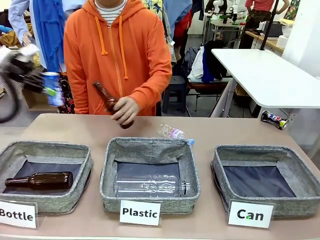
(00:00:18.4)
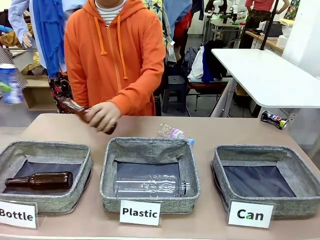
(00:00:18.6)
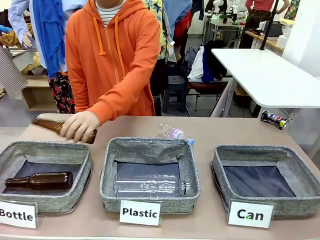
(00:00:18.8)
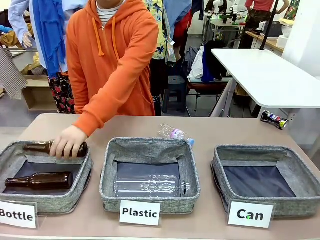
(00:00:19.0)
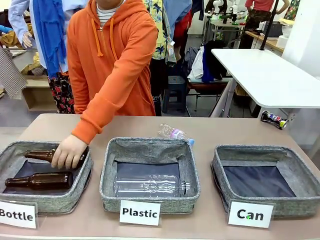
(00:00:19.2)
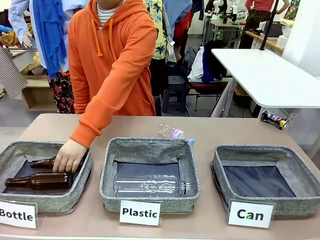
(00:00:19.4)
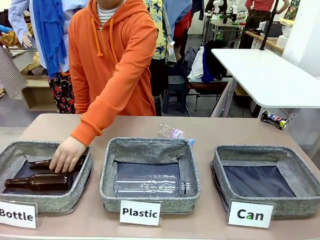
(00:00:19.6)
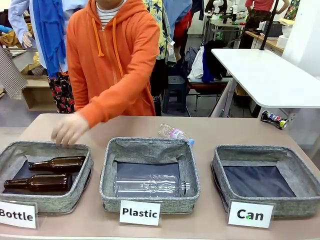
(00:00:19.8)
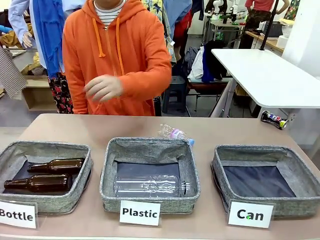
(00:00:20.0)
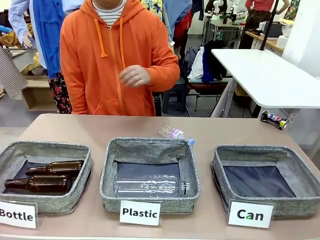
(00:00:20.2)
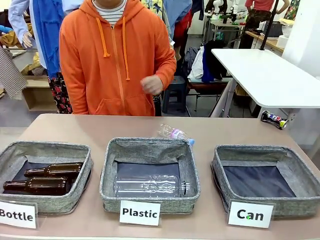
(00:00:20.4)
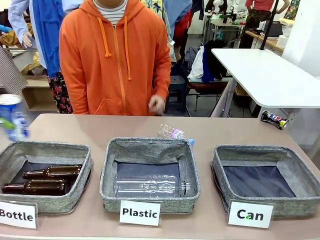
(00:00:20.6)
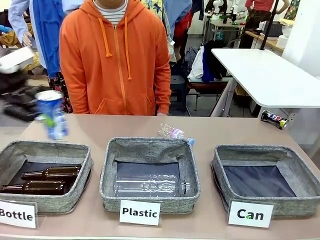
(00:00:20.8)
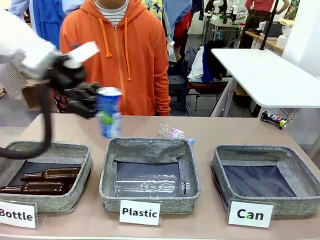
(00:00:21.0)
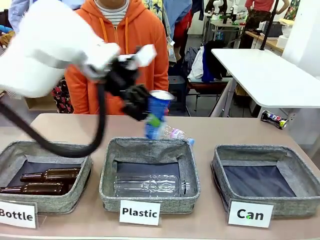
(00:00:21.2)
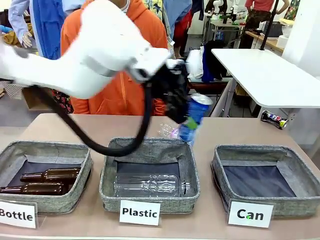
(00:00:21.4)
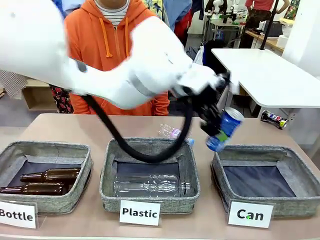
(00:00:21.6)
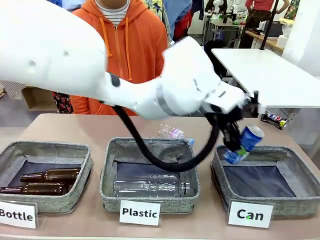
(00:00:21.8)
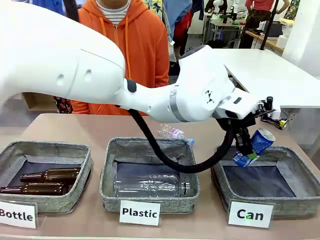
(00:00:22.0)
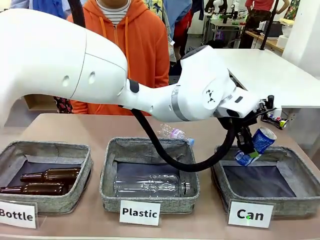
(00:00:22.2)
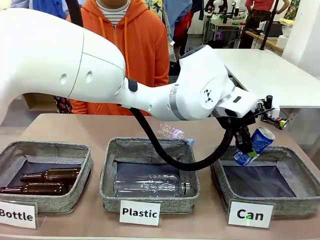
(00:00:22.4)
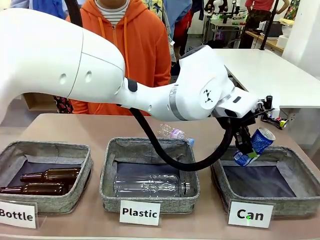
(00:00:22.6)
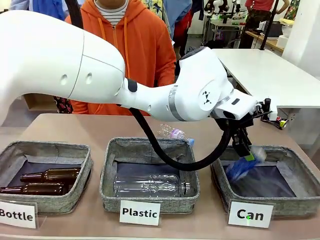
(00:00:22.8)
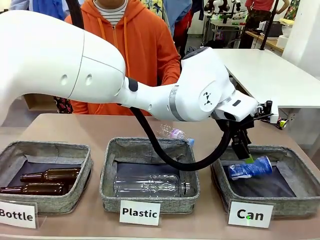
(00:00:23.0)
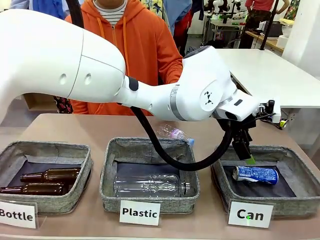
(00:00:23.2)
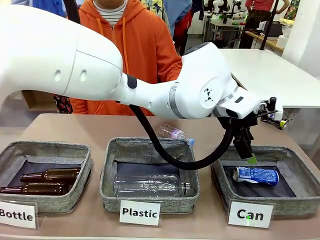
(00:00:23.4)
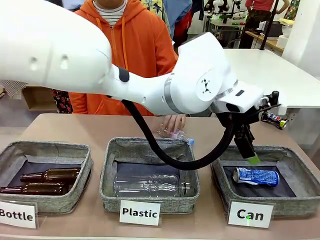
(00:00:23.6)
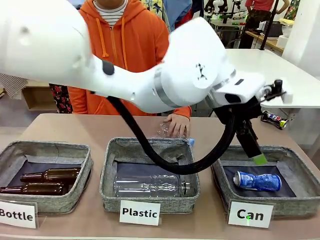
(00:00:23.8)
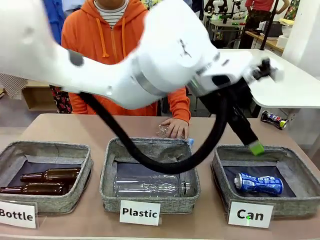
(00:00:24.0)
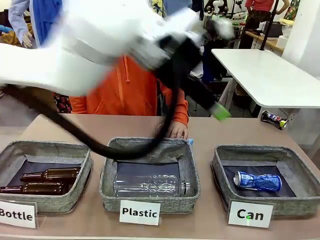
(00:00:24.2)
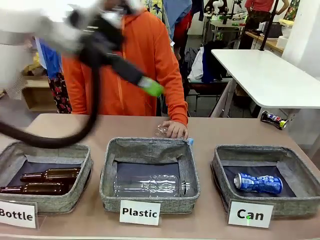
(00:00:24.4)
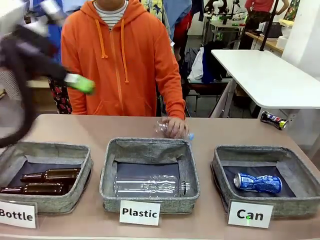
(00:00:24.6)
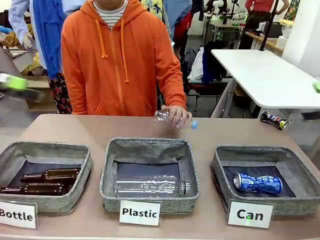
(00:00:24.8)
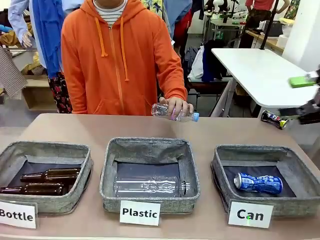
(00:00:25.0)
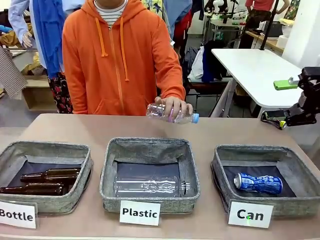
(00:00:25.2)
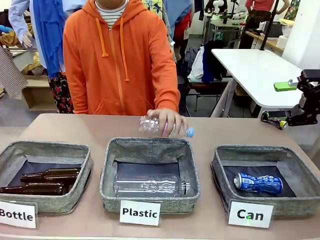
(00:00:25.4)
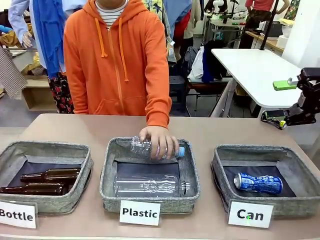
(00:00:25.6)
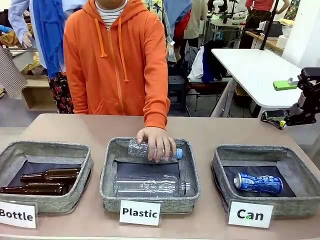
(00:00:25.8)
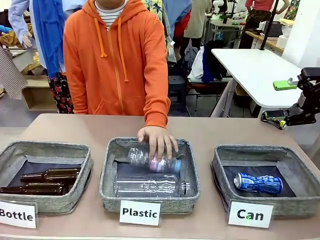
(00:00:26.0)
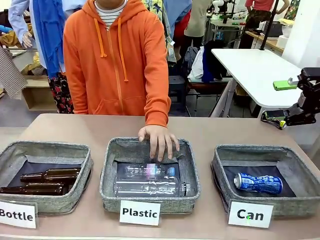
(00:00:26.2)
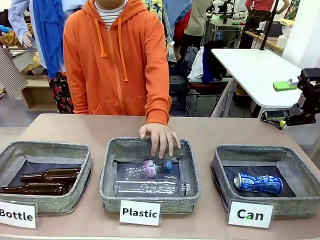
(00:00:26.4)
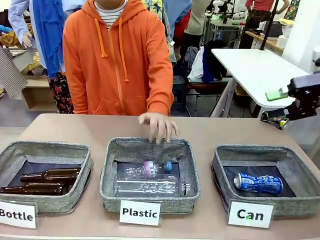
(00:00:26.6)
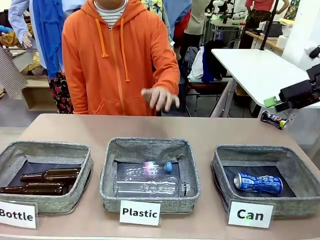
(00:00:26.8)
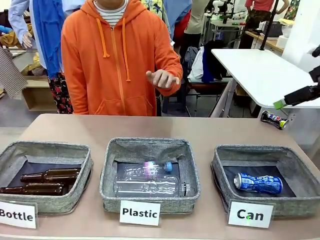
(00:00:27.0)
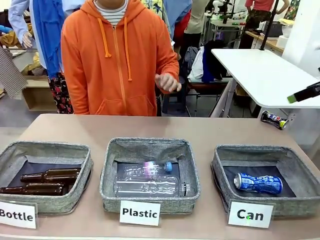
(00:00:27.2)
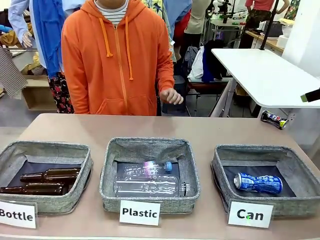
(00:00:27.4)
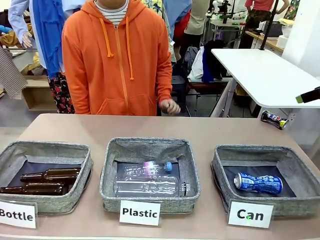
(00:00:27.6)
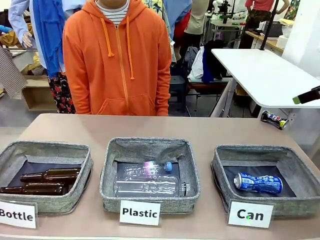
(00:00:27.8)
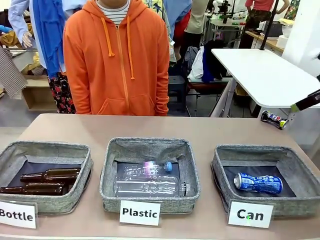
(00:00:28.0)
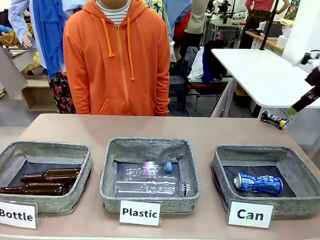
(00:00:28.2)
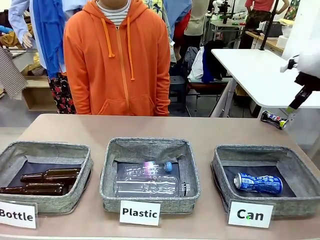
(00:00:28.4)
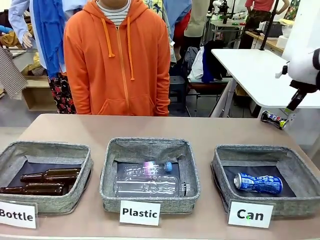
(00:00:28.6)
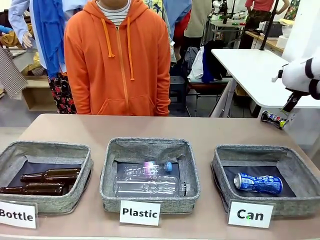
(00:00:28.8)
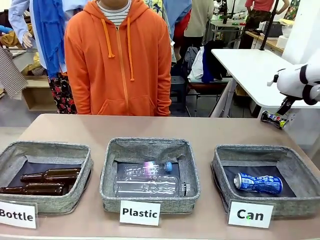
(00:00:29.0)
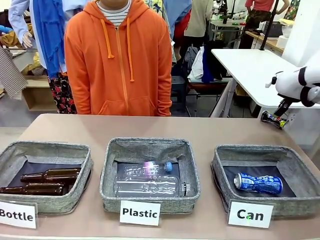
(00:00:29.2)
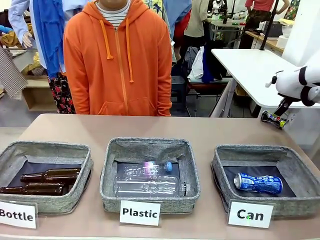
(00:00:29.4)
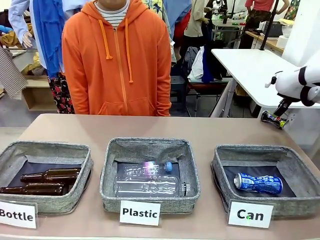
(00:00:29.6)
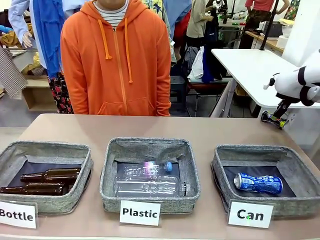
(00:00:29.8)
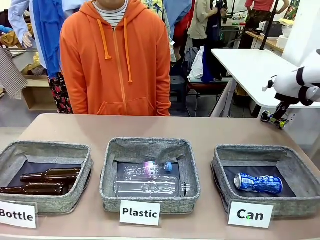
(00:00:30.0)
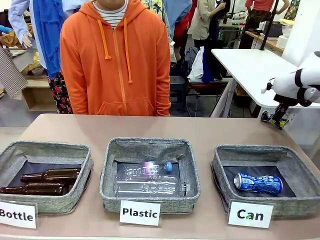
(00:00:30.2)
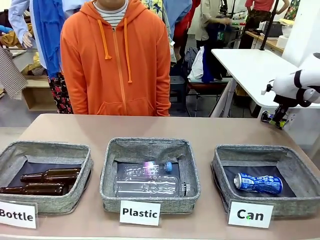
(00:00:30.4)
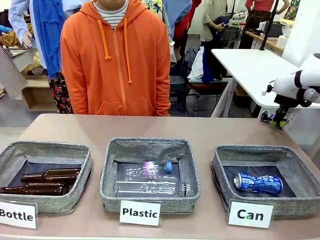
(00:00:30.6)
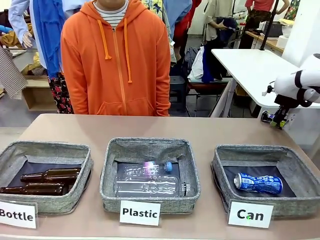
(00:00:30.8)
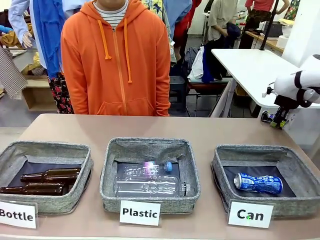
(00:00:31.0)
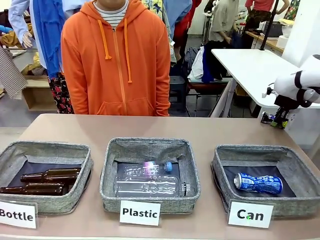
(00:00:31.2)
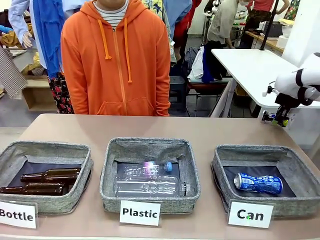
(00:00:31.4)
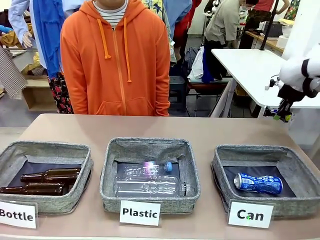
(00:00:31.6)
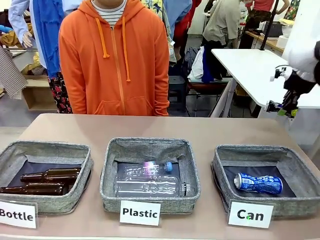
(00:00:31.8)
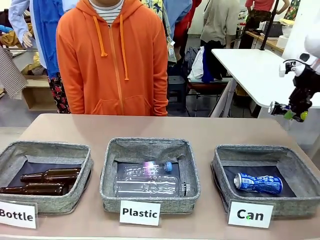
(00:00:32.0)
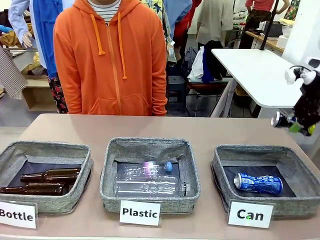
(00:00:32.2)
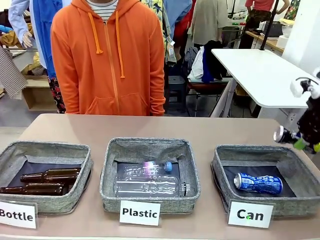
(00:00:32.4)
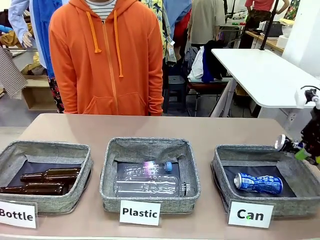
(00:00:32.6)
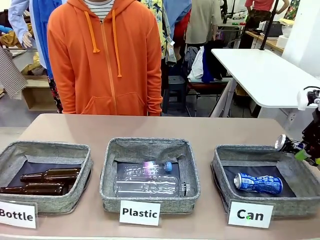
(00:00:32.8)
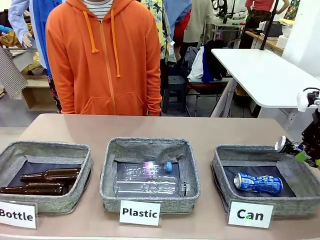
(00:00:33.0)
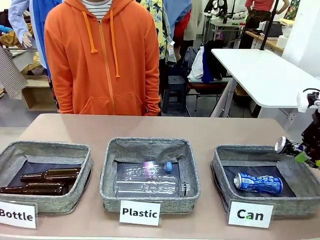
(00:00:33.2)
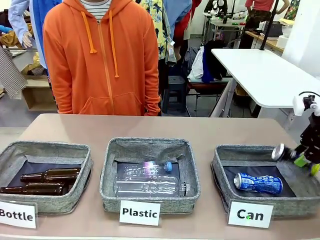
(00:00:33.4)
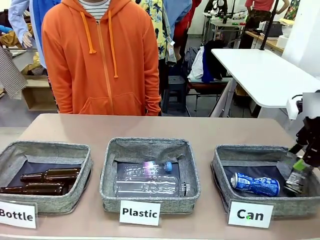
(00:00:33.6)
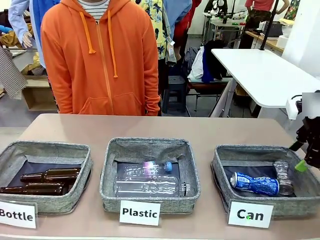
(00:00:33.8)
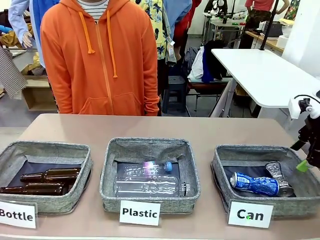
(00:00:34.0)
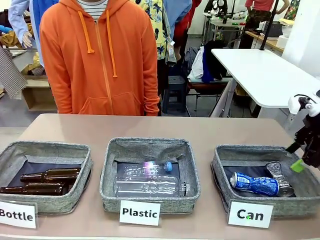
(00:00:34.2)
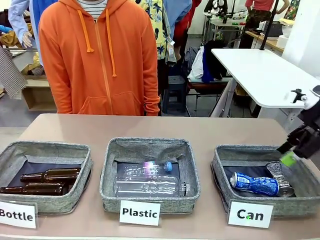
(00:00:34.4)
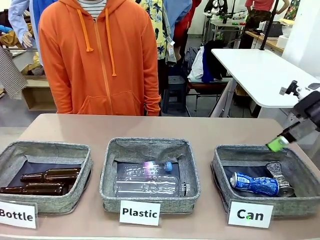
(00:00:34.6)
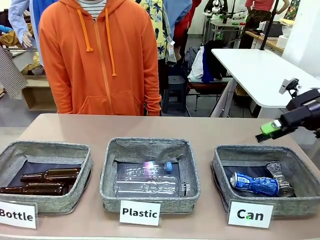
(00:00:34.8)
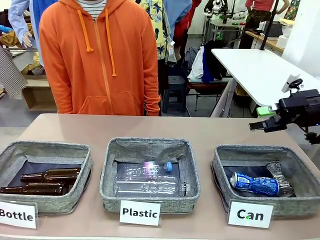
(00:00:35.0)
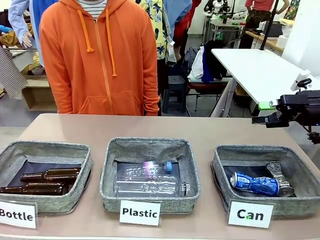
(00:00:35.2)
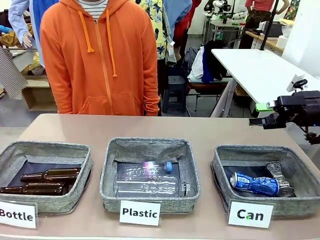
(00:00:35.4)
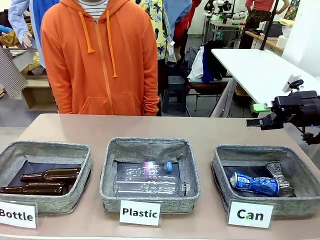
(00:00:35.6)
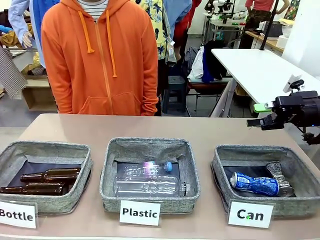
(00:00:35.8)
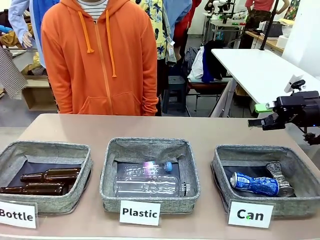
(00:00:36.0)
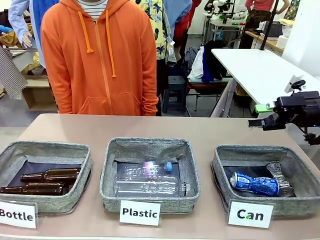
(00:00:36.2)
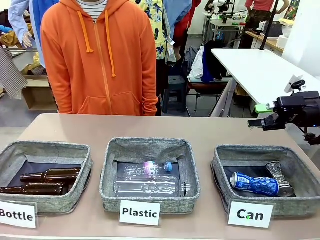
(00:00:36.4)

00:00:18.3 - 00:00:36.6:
Task: Sort the can waste into the basket.
Robot: Pick up the can waste from the table and place it in the right Fabric basket.
